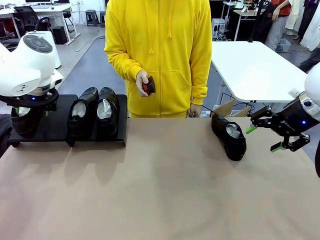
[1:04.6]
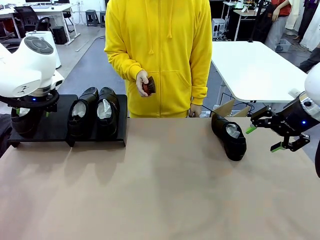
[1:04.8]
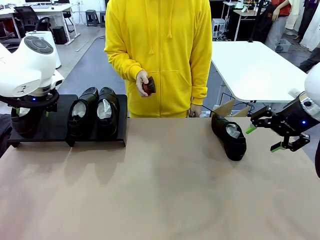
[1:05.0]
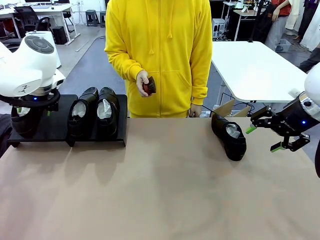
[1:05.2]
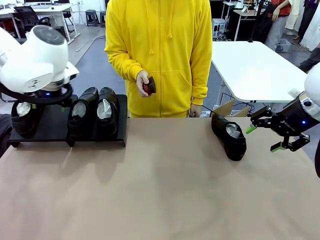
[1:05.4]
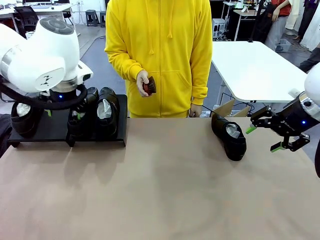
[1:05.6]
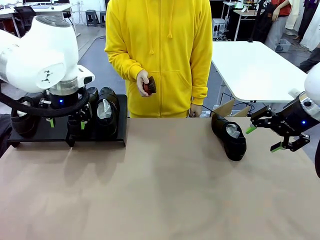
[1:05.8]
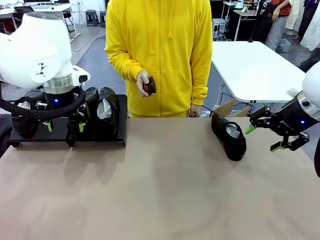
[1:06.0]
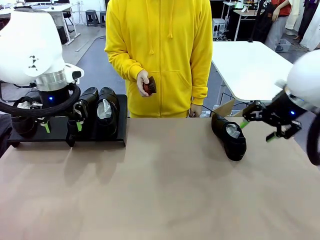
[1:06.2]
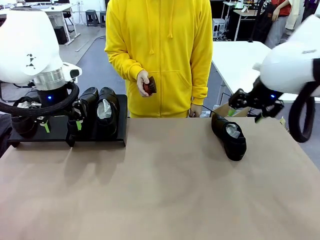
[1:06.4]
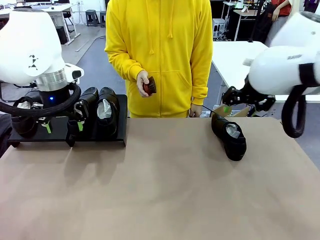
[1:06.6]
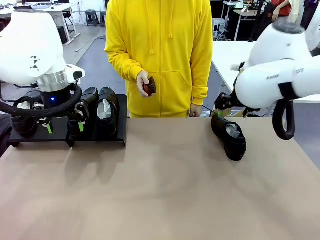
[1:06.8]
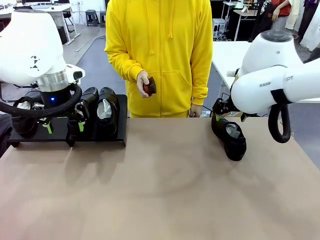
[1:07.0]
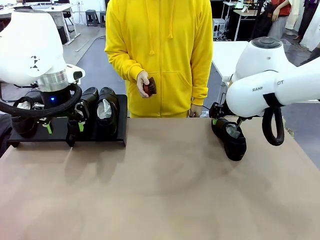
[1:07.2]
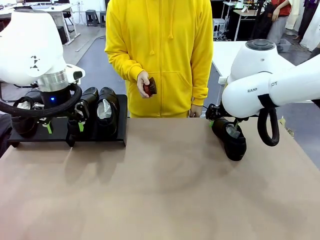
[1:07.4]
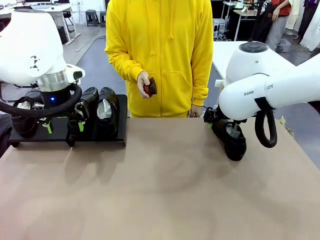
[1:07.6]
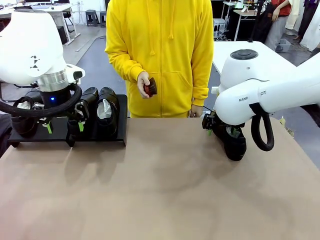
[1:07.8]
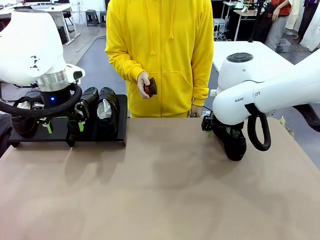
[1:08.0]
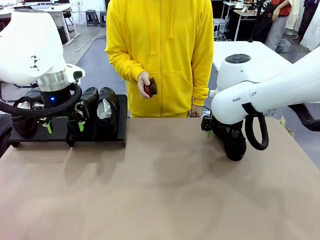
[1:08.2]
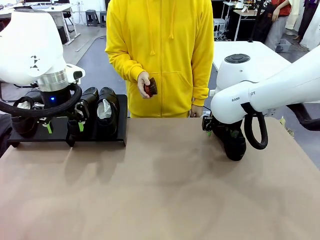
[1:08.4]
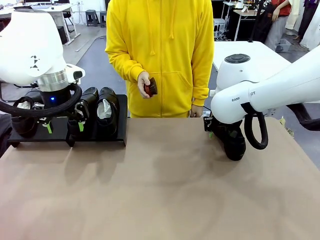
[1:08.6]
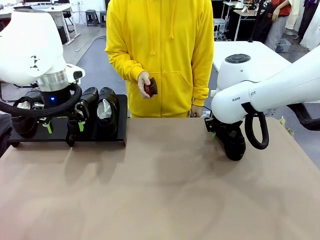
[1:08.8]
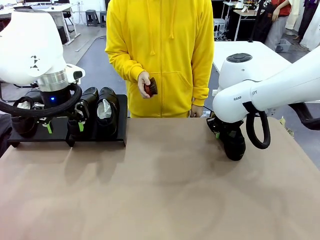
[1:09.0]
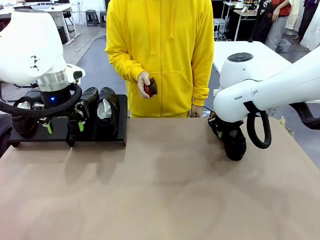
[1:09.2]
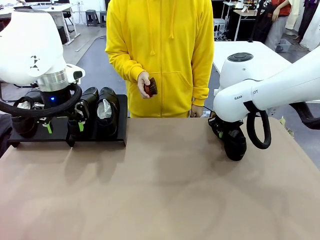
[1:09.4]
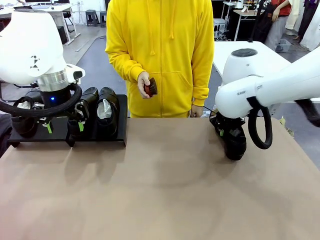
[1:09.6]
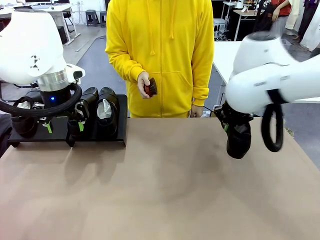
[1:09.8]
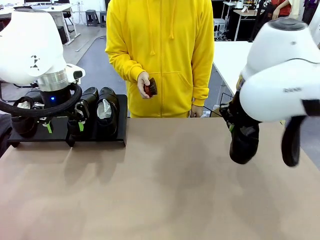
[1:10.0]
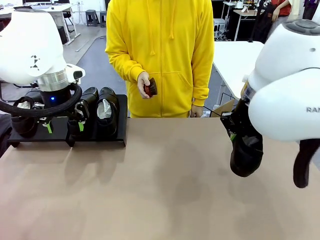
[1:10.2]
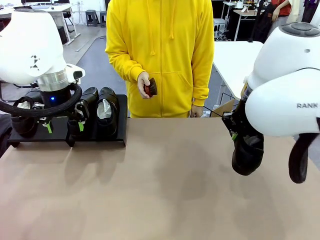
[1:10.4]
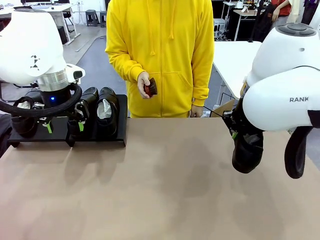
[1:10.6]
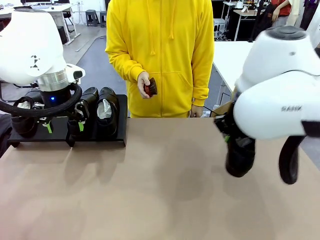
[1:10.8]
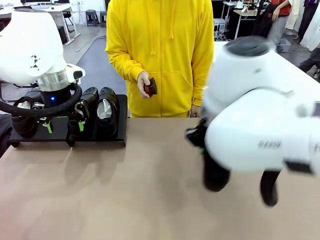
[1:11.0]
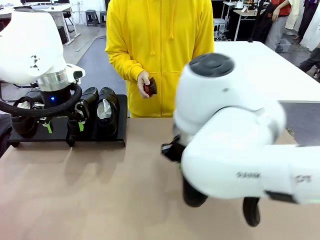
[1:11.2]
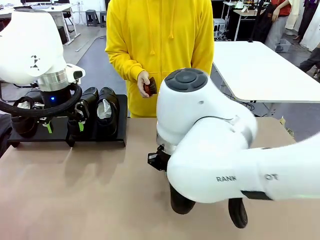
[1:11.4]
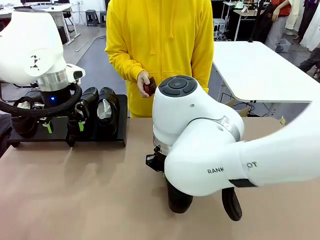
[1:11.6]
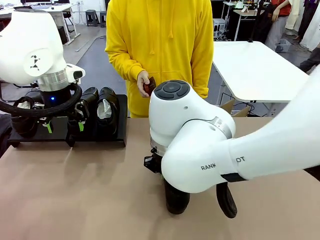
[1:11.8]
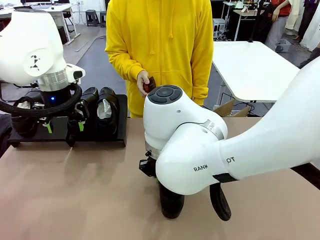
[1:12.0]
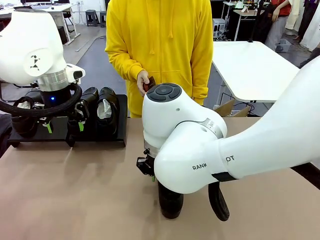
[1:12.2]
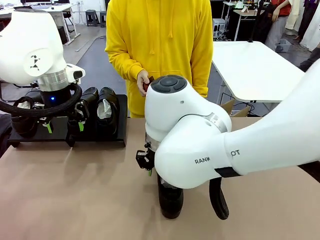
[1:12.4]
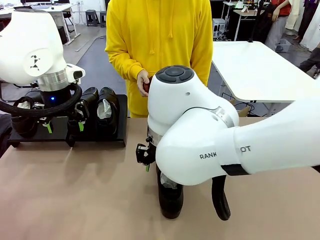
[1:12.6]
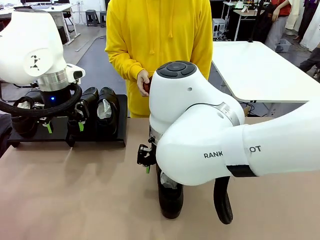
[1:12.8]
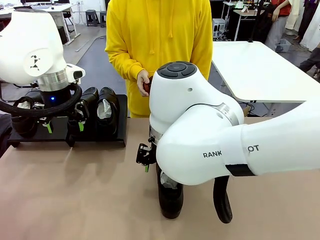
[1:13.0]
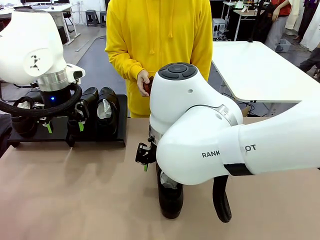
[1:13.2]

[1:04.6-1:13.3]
Task: Organize the shoes by placing them on the stand.
Robot: Pick up one Shoe and place it in the middle of the table.

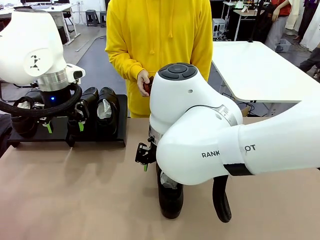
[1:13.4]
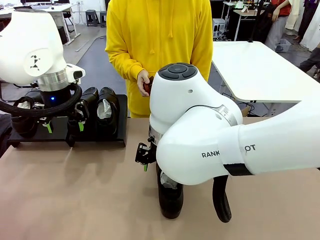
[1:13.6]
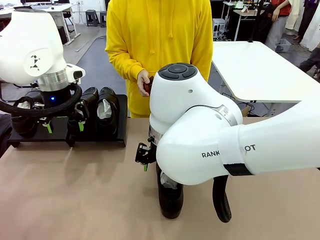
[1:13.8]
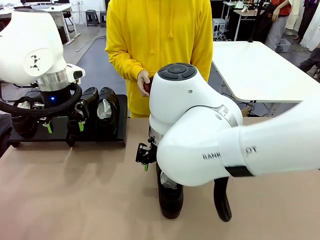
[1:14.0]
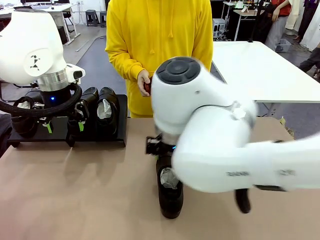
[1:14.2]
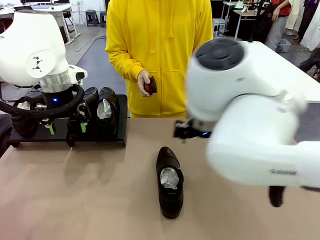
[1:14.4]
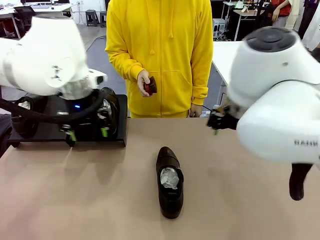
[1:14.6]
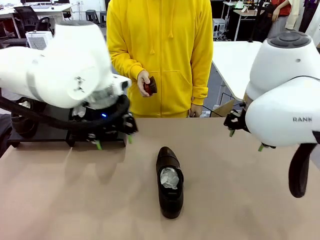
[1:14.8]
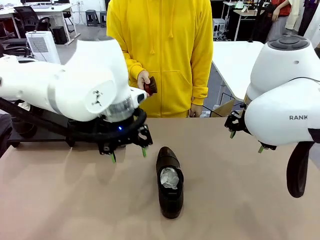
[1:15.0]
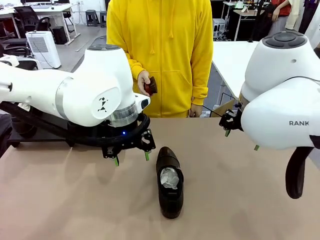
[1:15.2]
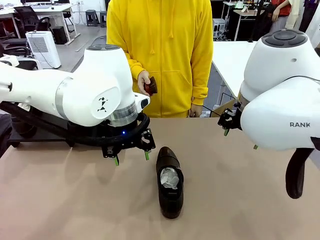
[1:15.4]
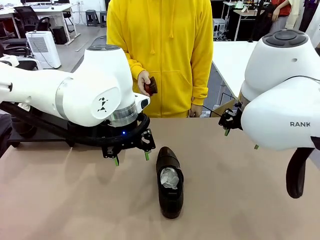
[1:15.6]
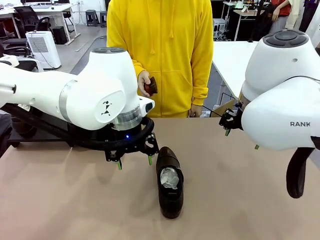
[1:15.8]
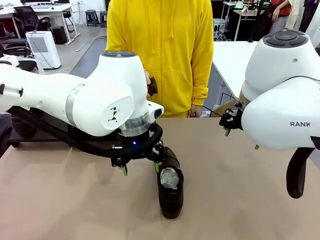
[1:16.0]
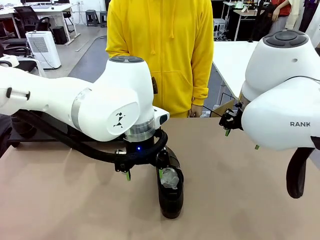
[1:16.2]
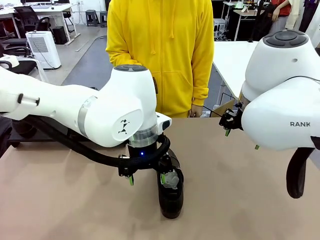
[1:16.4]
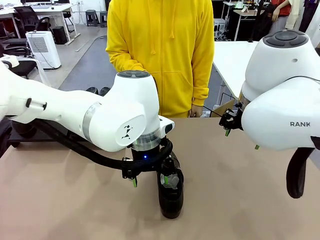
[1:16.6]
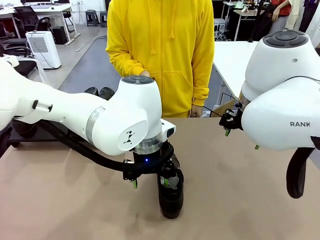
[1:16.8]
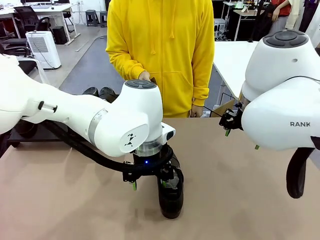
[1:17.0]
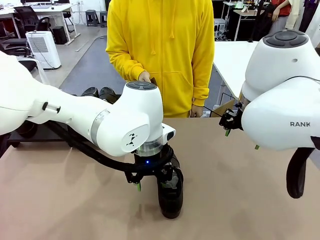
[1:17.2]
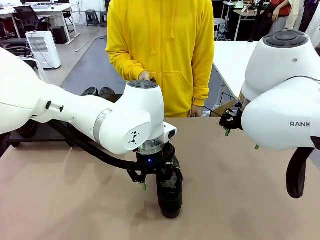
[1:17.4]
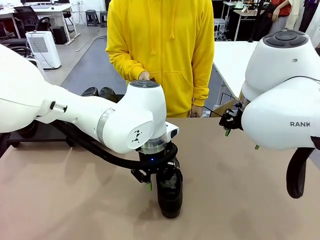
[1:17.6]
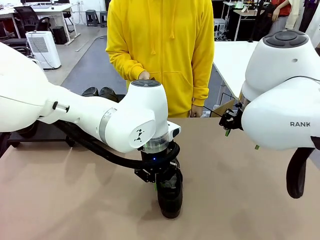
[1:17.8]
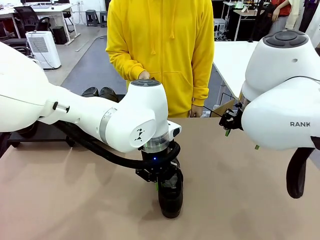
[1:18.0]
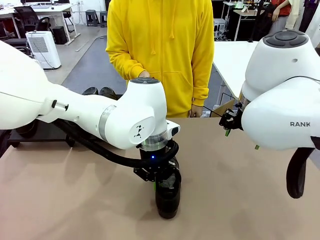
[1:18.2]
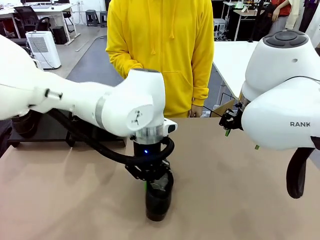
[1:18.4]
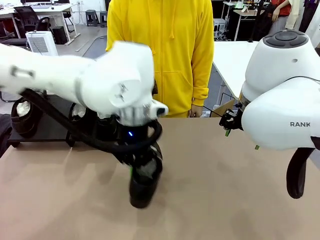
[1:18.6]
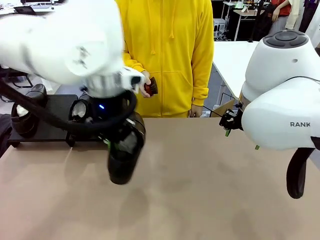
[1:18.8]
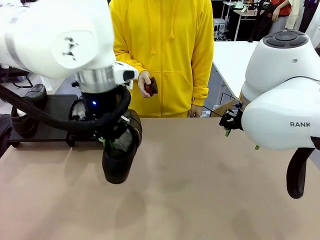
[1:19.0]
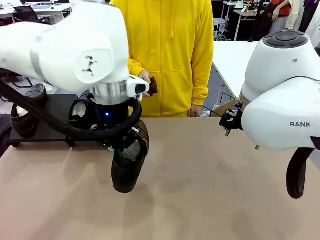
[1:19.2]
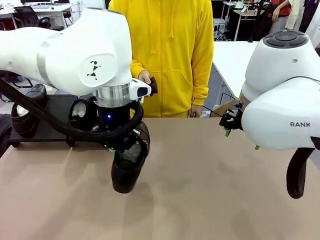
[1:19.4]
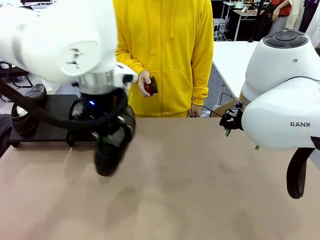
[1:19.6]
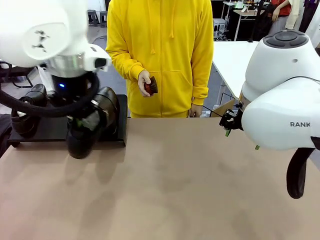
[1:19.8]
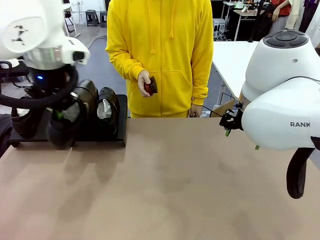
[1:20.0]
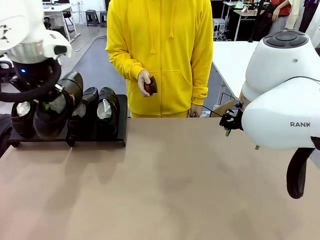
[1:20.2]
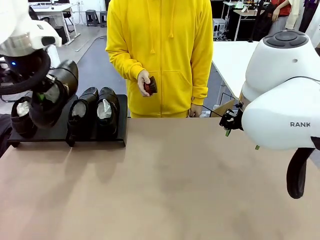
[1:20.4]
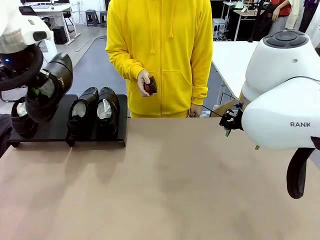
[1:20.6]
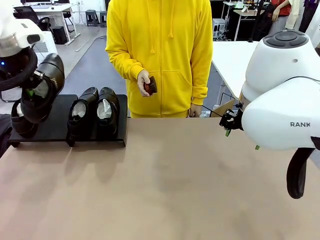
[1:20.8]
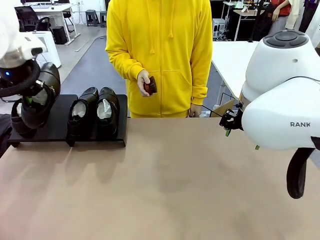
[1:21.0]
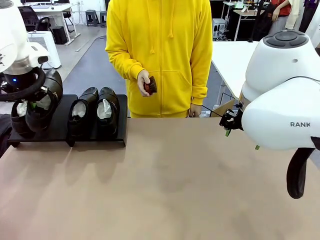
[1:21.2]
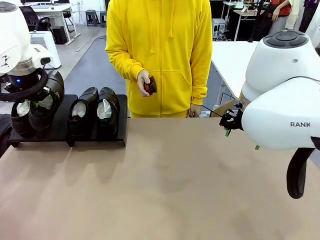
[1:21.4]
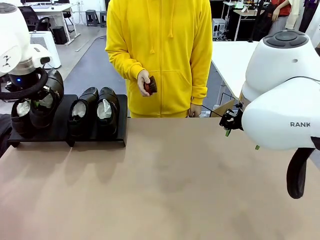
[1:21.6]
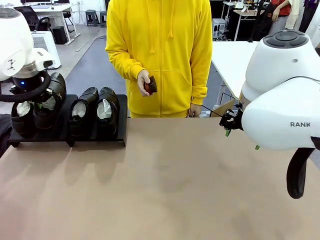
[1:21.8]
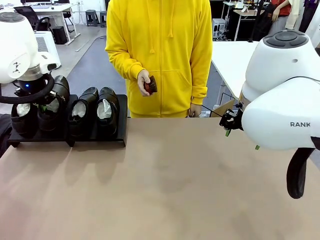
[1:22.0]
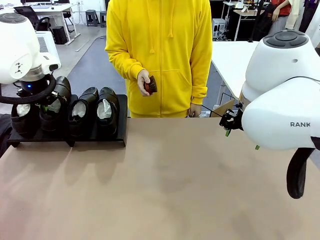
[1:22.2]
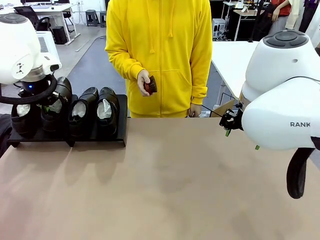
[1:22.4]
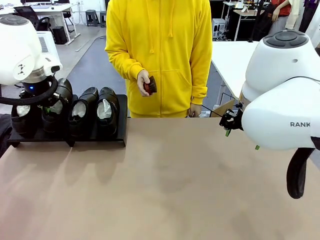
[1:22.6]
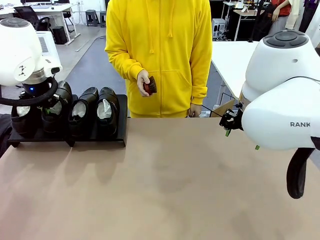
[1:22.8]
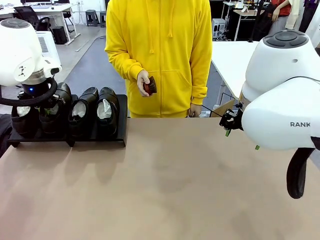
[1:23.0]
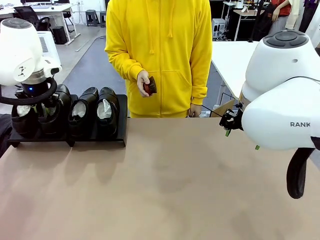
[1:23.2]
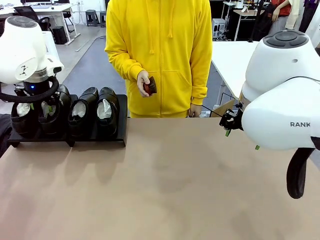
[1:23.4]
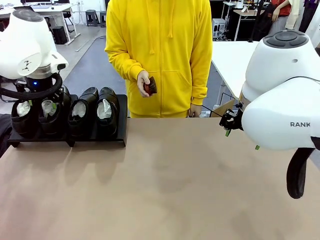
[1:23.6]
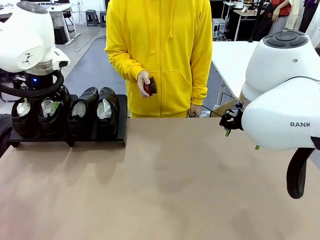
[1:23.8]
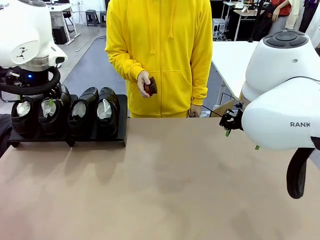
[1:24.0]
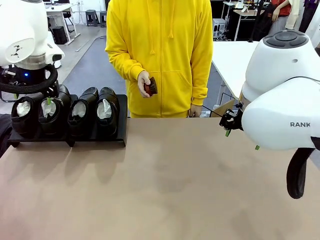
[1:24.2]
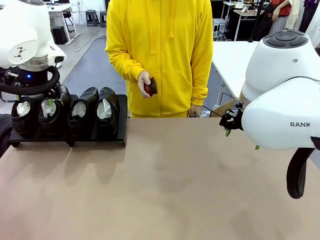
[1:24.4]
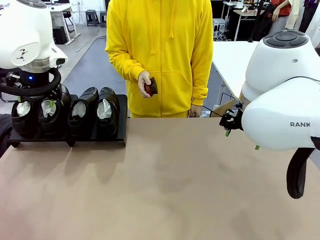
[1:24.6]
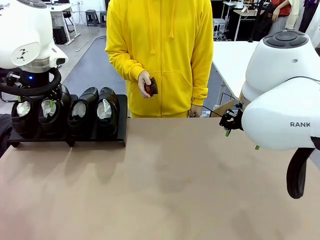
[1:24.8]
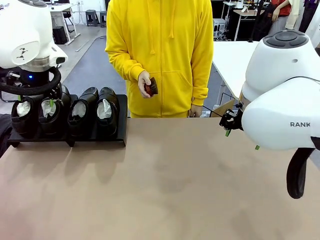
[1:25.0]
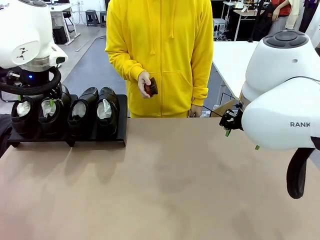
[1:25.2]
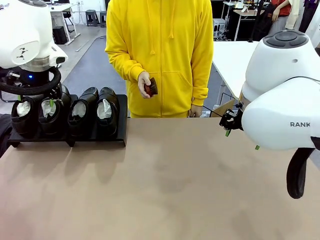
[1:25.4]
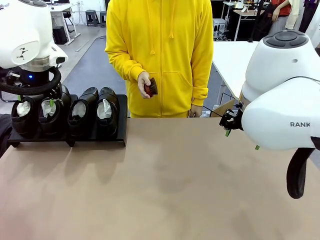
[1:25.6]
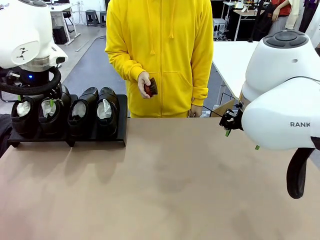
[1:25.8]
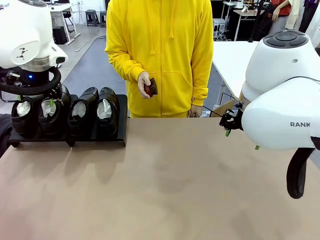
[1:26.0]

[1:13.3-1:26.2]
Robot: Place the Shoe from the middle of the table onto the Shoes Stand.
